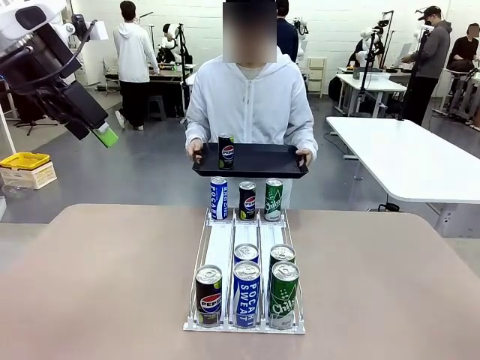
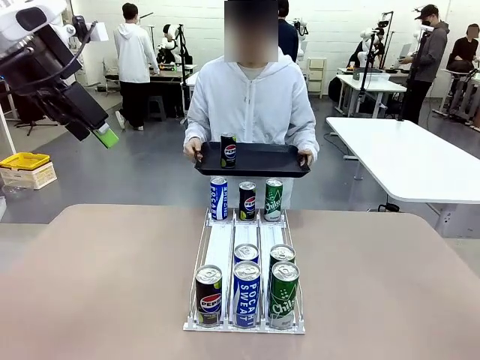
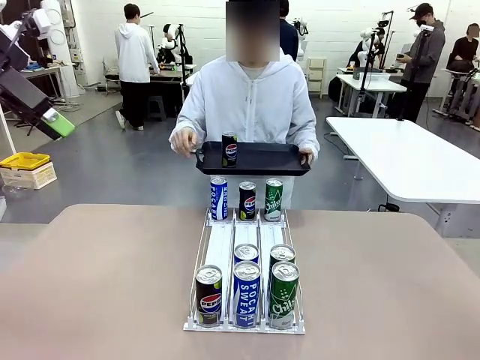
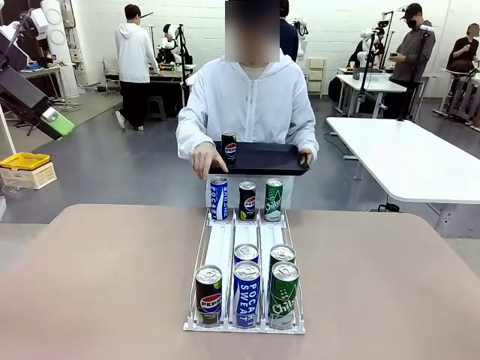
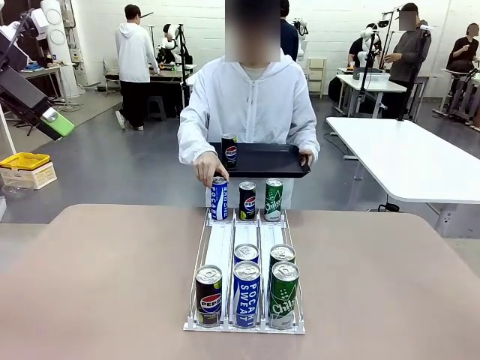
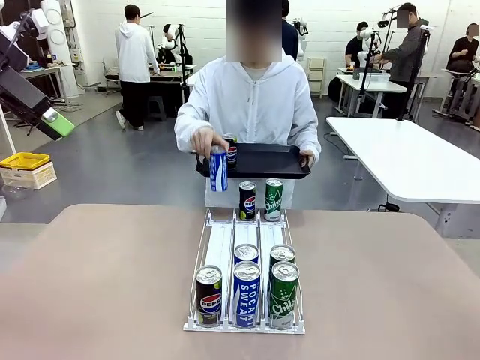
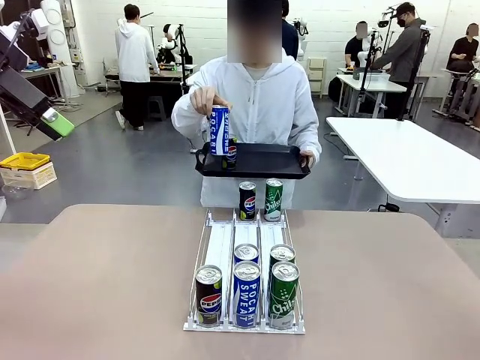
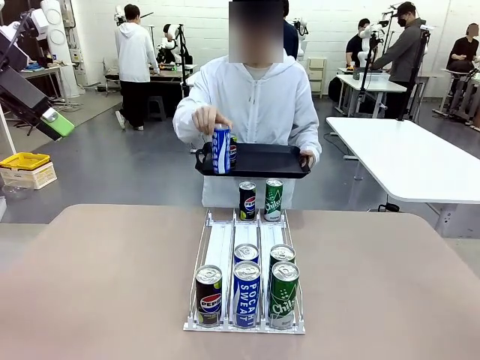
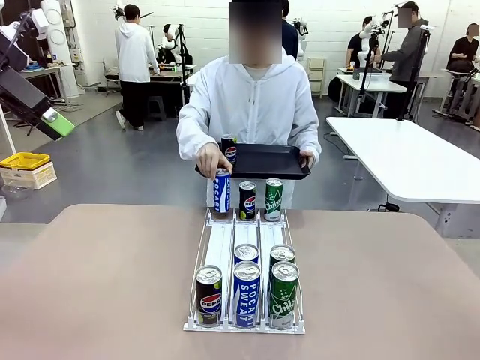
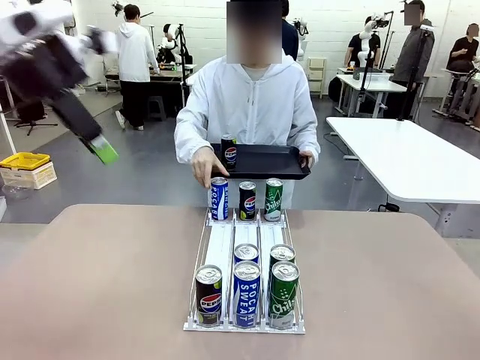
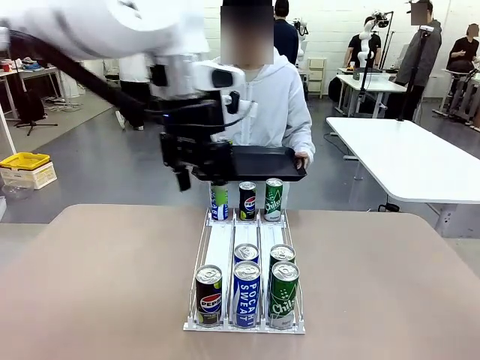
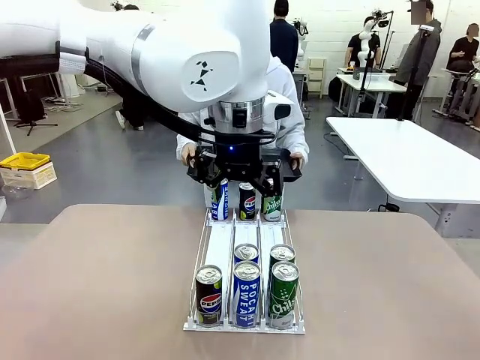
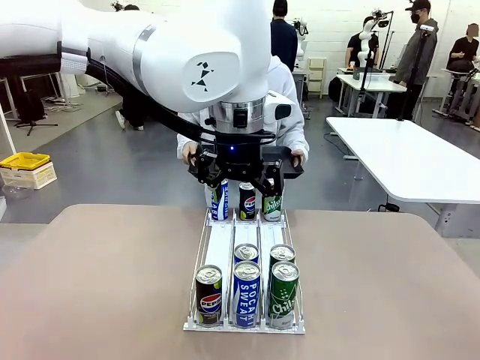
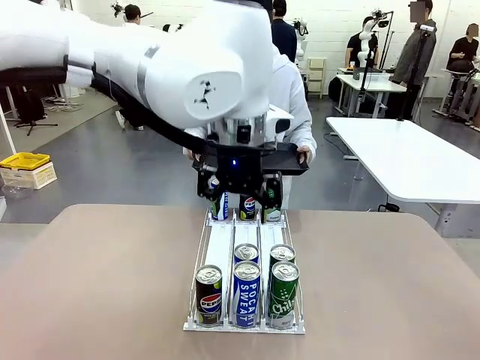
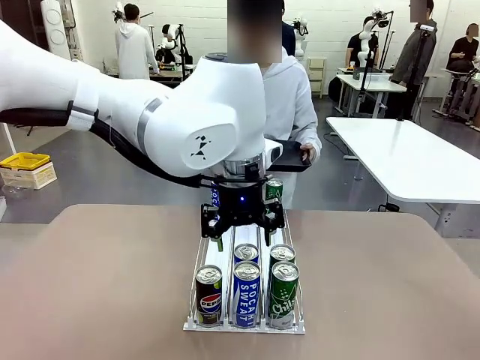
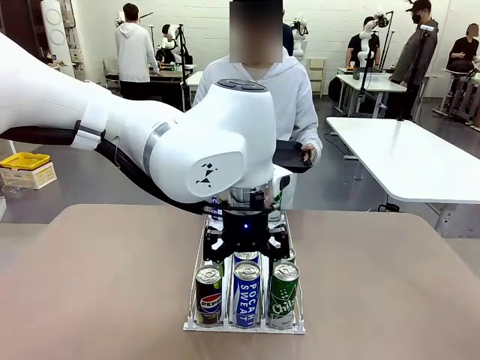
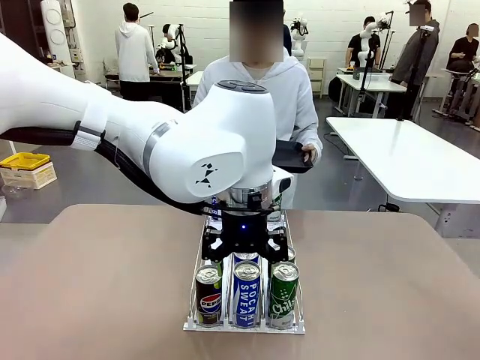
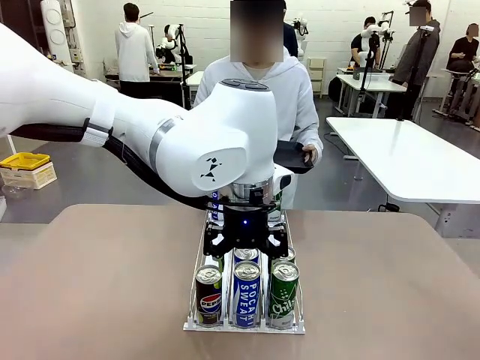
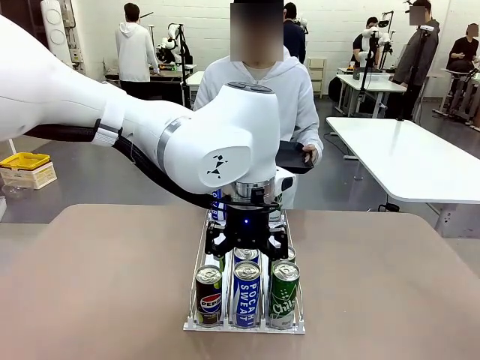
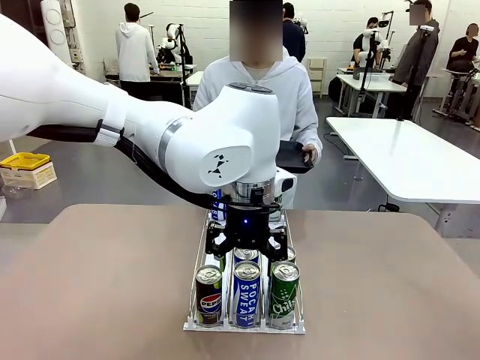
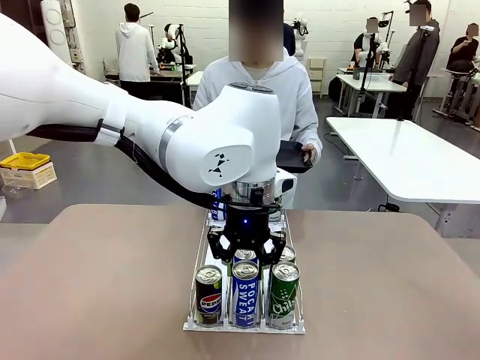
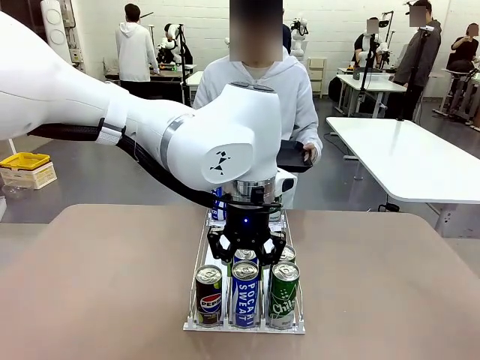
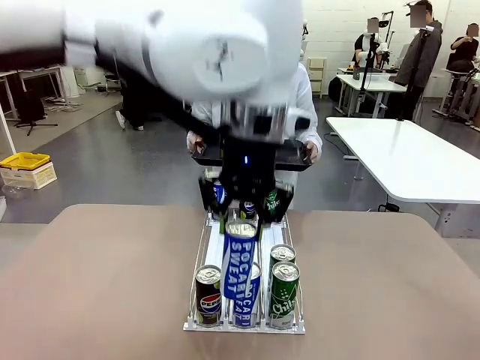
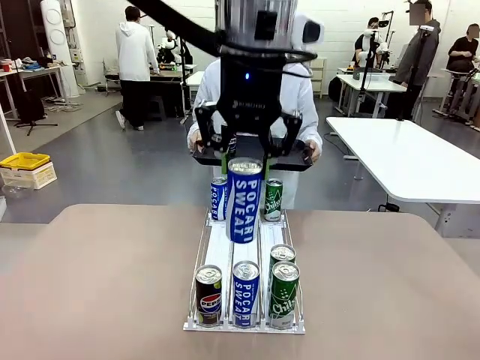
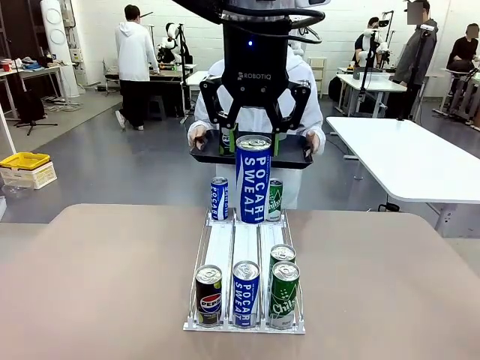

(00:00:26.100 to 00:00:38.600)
Task: Retrieve and hand over the desired beverage to the person.
Robot: Pick up another can of the same type that the person held from the Automatic Can Dispenser.
Person: Pull the tray back, then pick up another can from the bottom area of the table and puts it back in its original place. Push the tray toward the robot again.

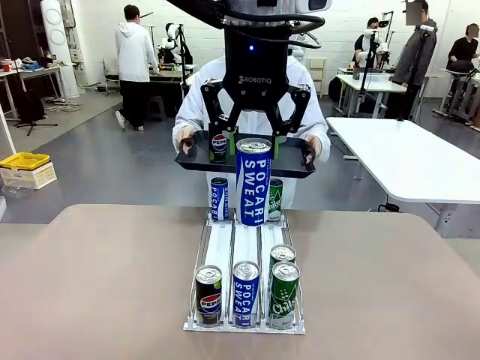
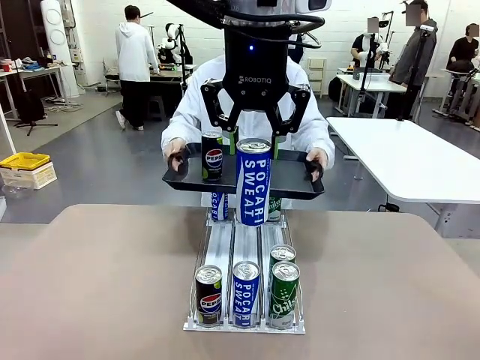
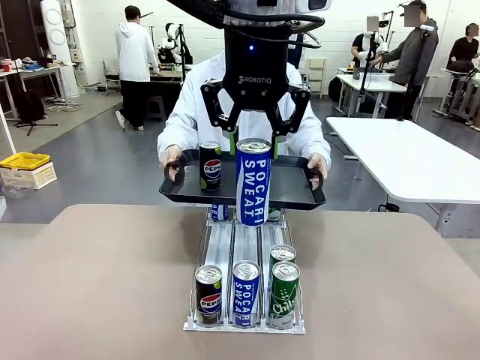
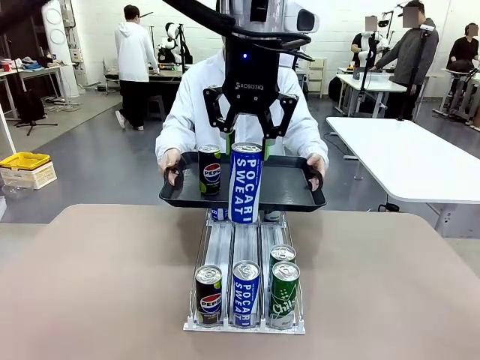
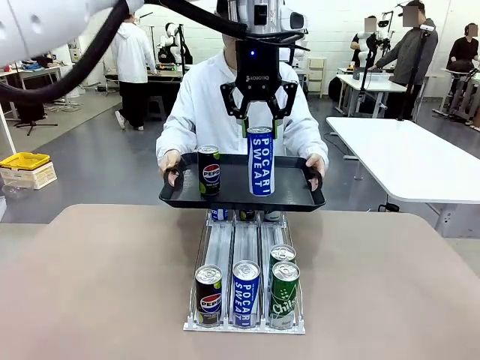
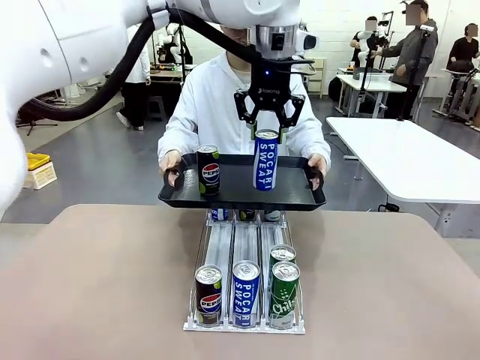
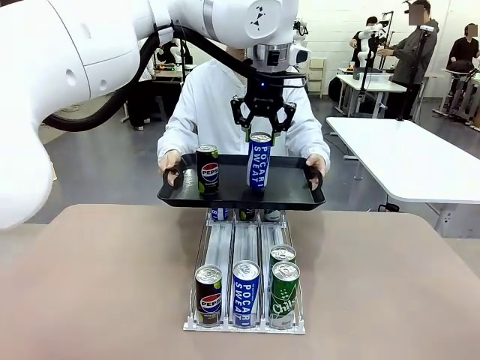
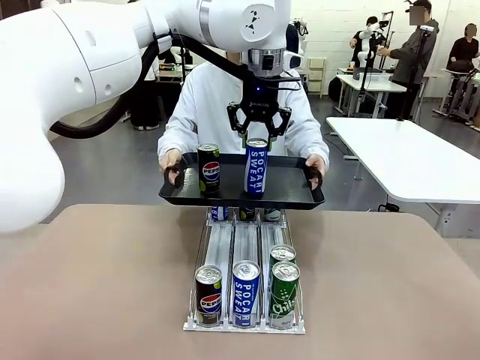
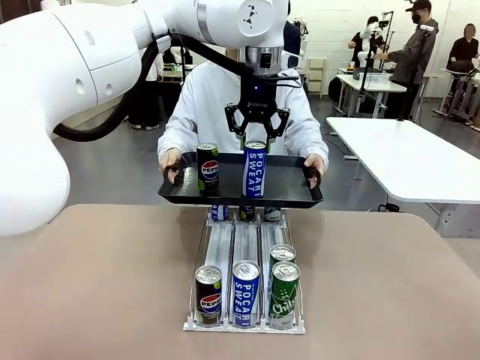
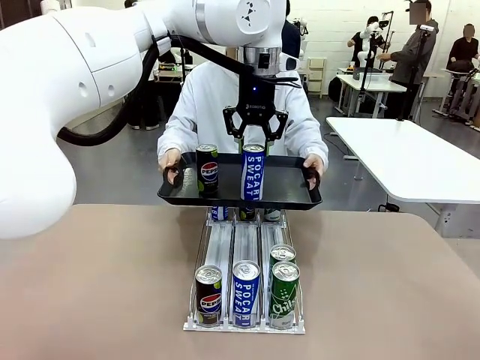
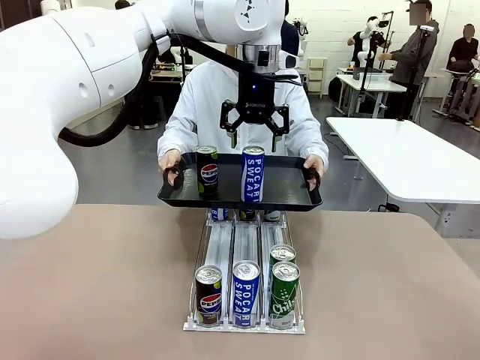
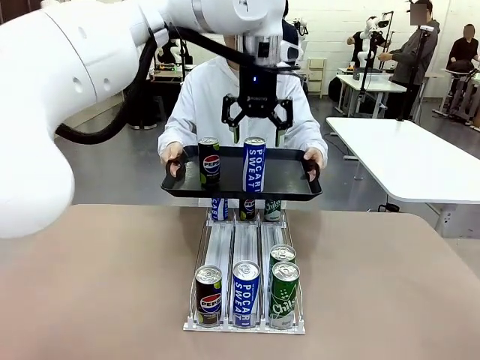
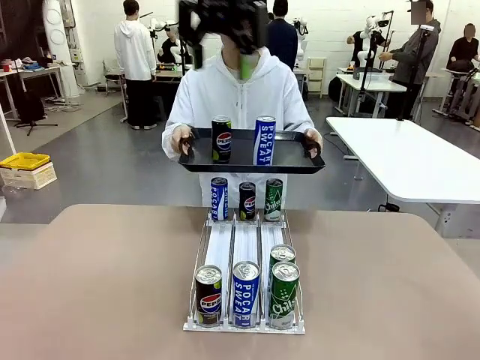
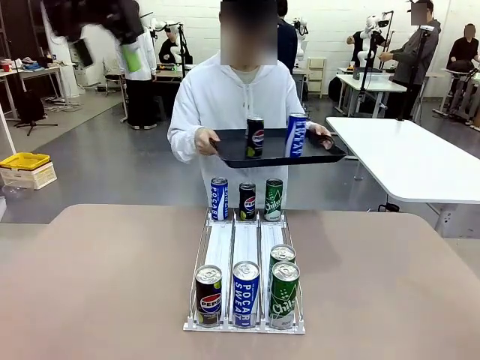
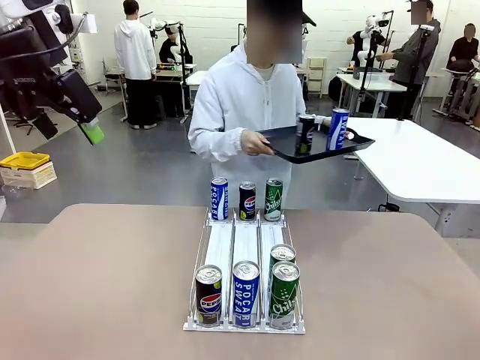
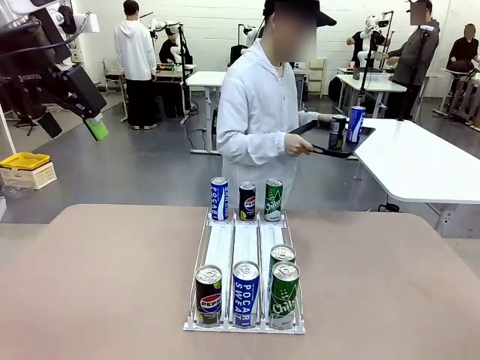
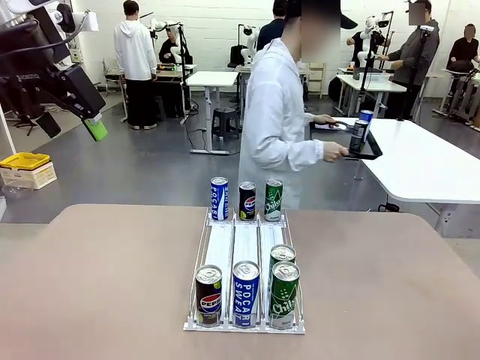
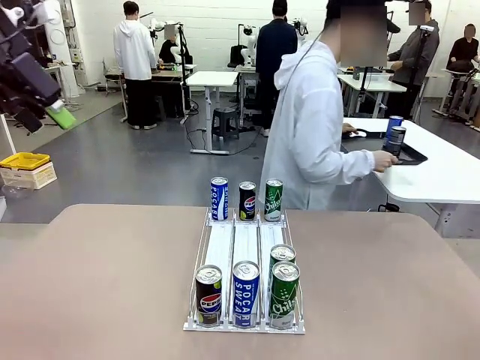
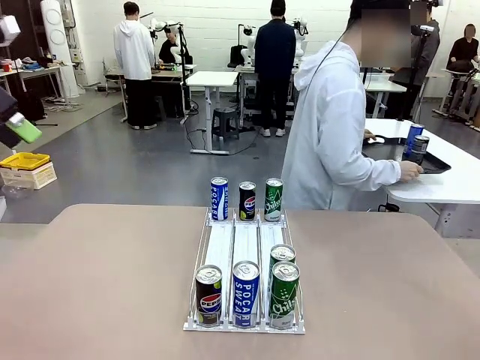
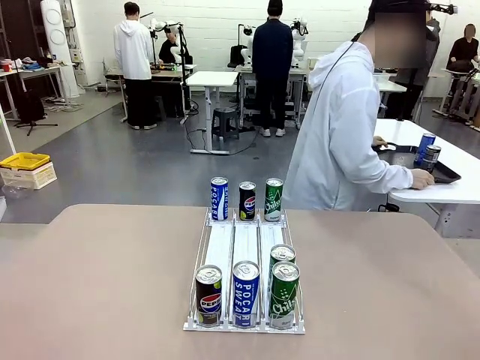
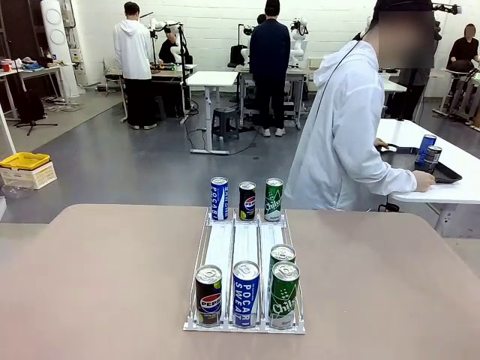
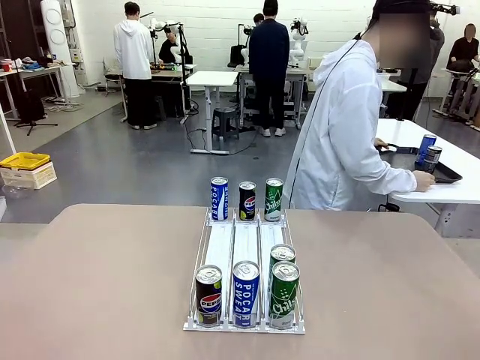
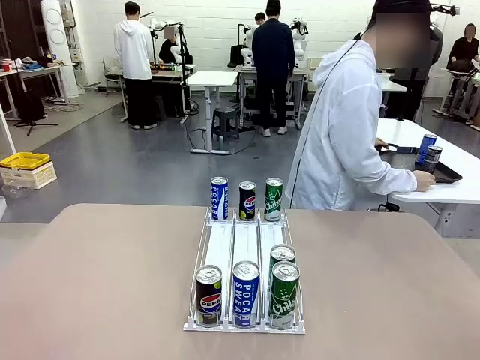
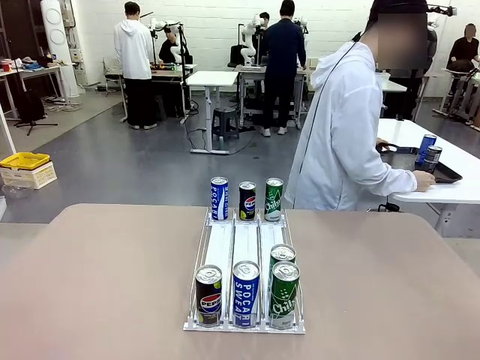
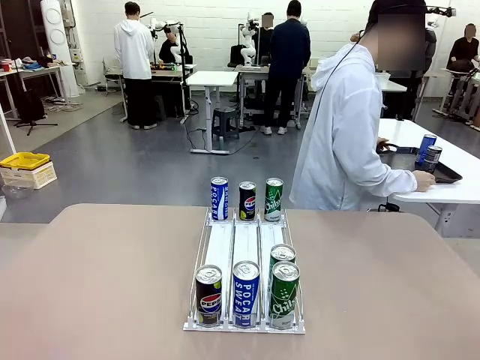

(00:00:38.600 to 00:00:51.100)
Robot: Place the picked can on the Handle tray extended by the person.
Person: Pull the tray back and place it at the center of the human table.
